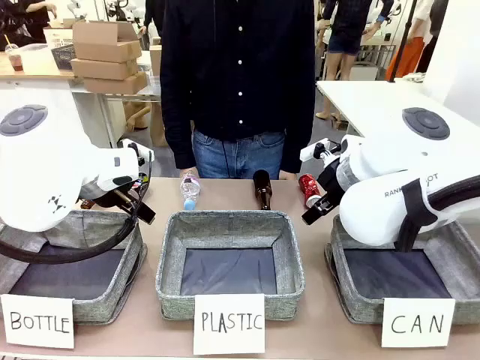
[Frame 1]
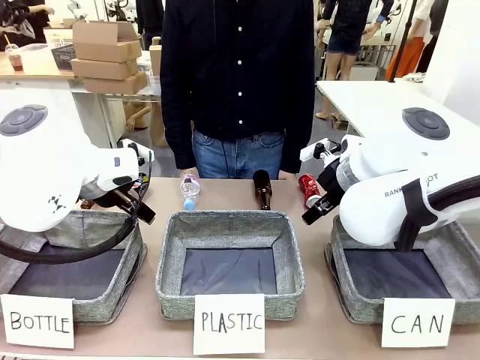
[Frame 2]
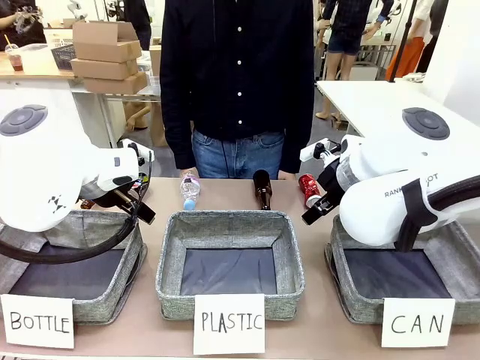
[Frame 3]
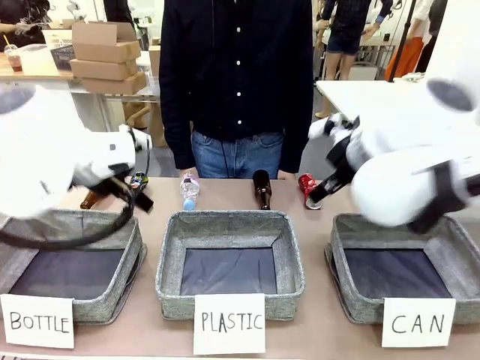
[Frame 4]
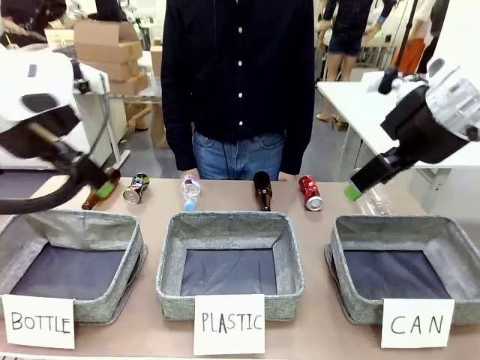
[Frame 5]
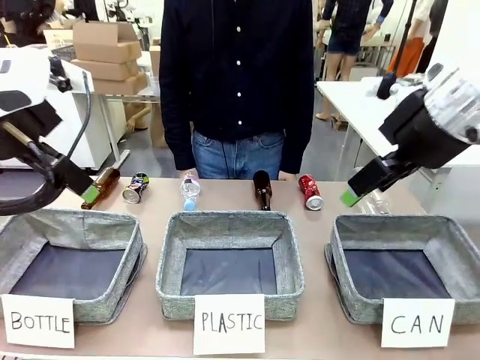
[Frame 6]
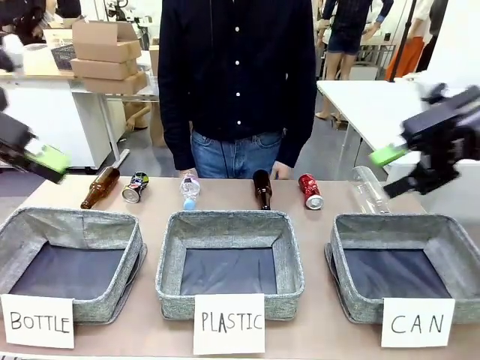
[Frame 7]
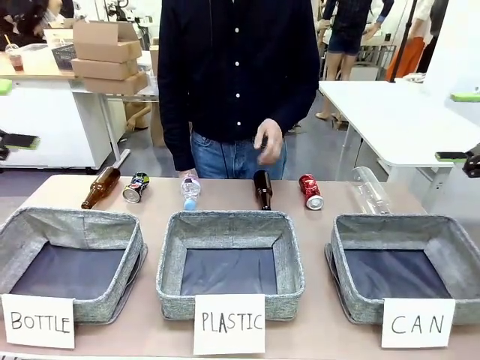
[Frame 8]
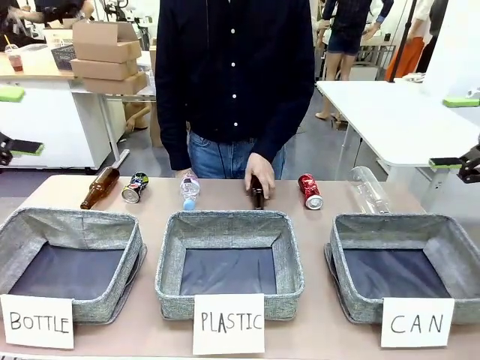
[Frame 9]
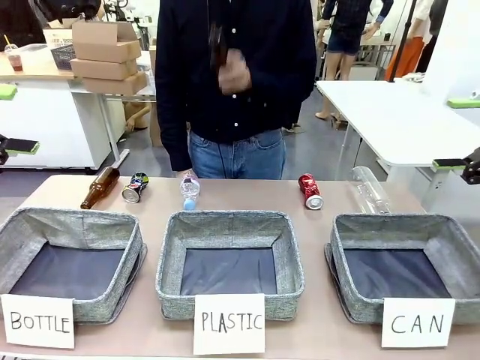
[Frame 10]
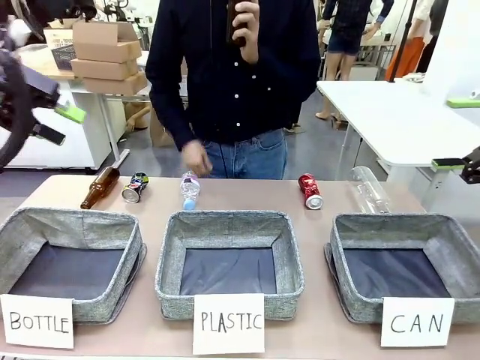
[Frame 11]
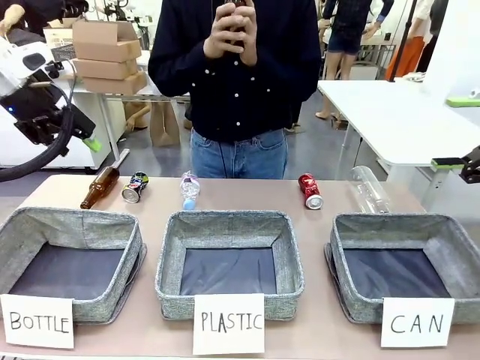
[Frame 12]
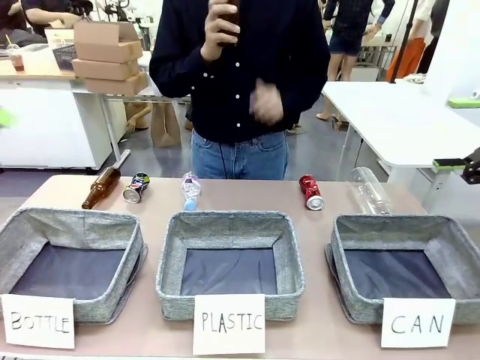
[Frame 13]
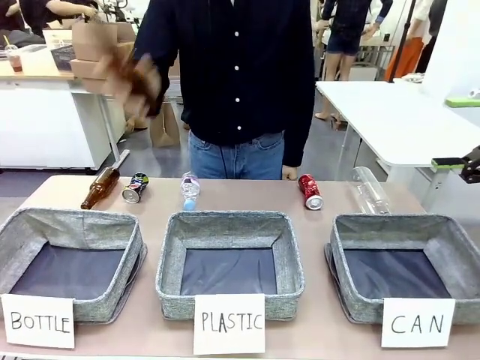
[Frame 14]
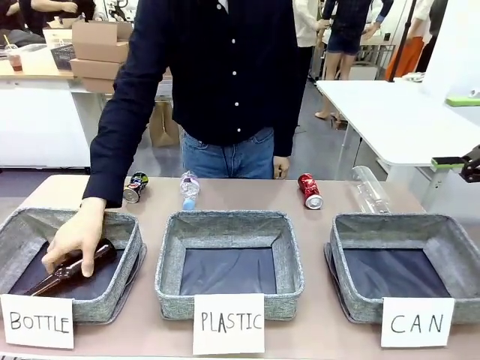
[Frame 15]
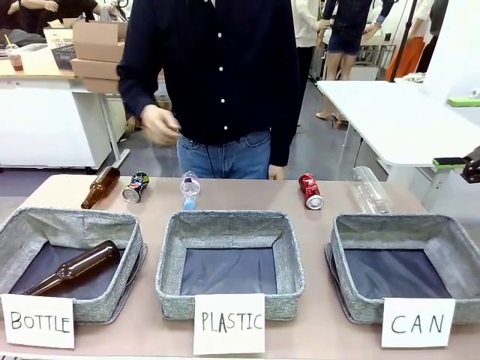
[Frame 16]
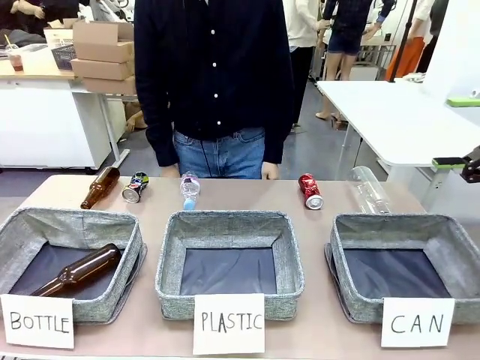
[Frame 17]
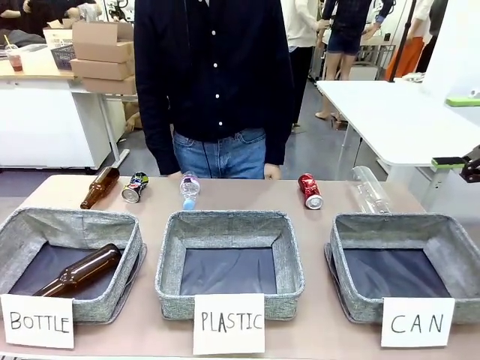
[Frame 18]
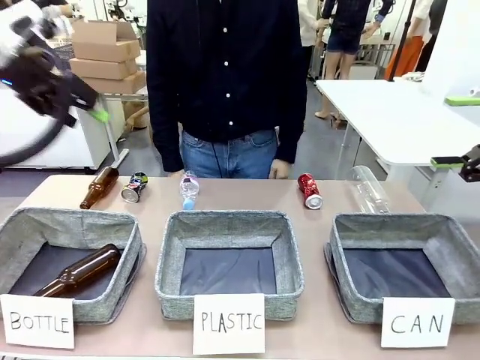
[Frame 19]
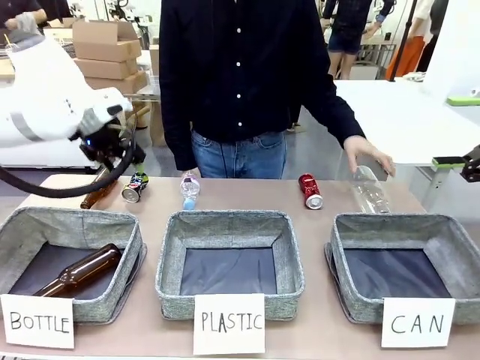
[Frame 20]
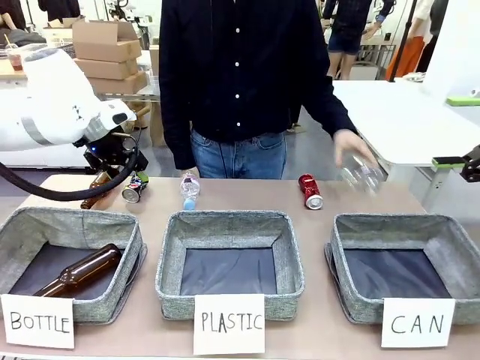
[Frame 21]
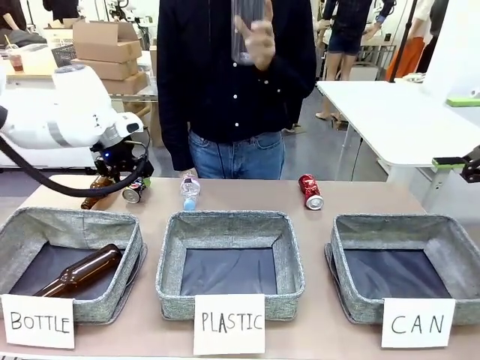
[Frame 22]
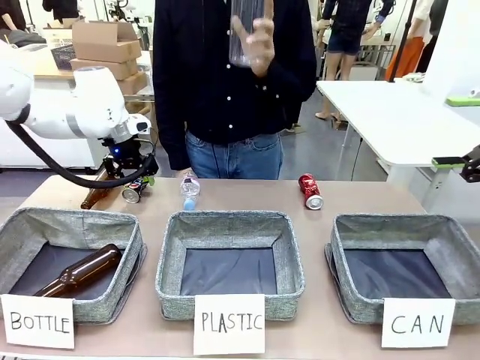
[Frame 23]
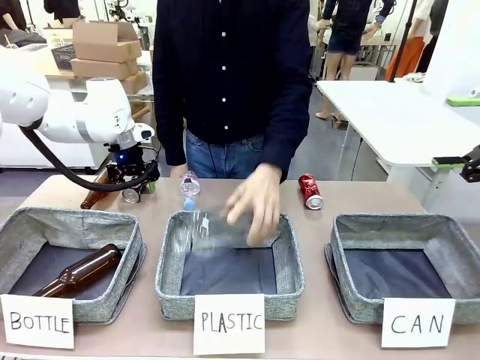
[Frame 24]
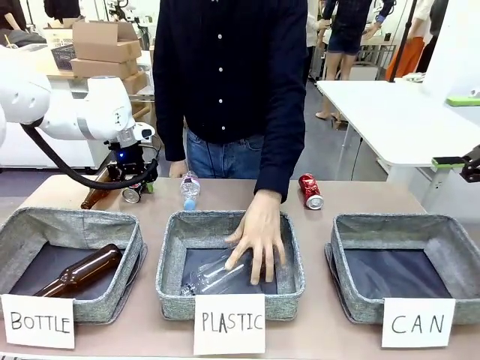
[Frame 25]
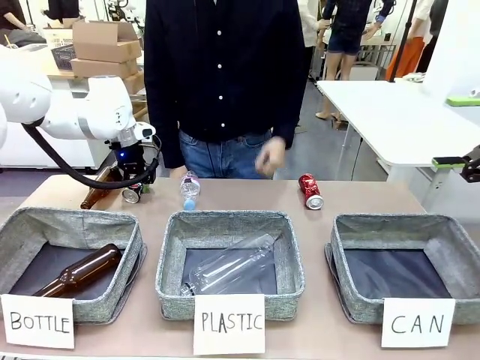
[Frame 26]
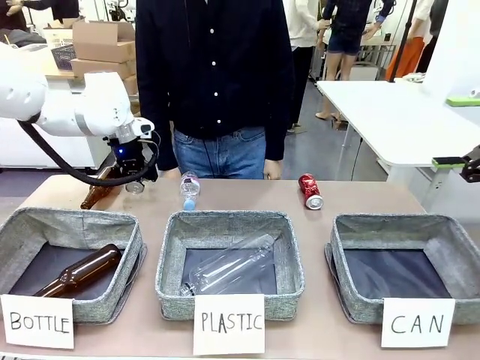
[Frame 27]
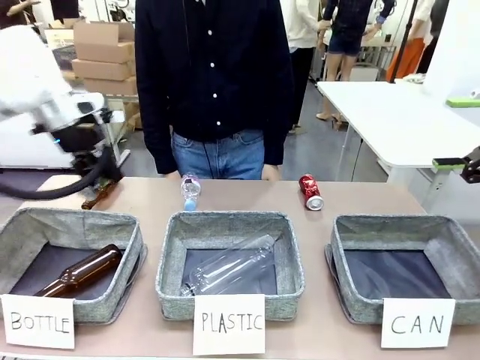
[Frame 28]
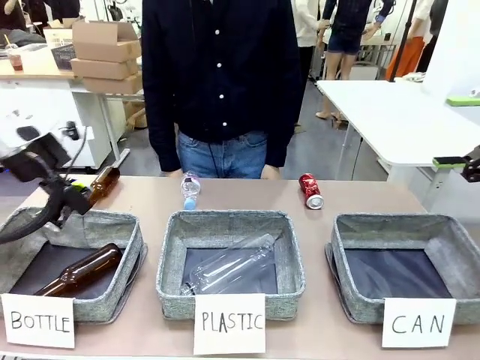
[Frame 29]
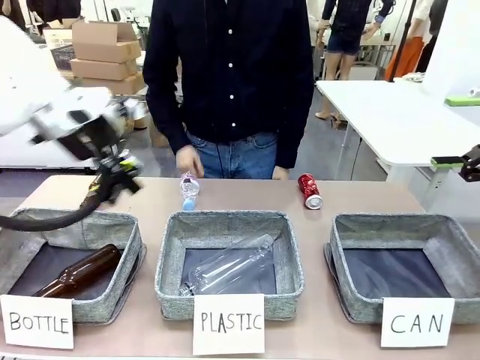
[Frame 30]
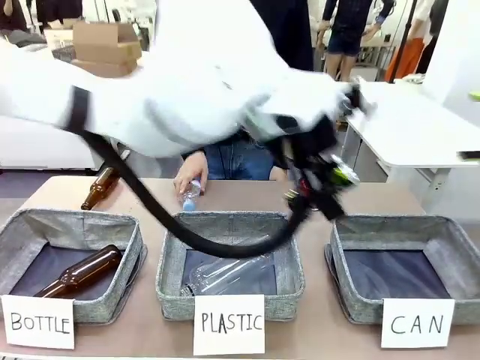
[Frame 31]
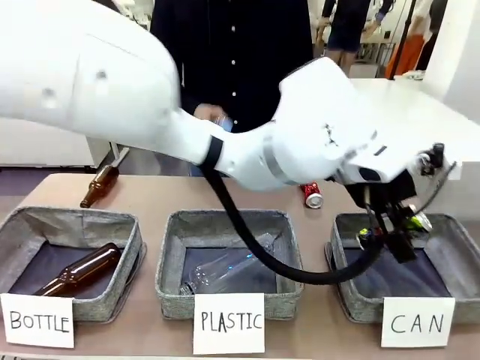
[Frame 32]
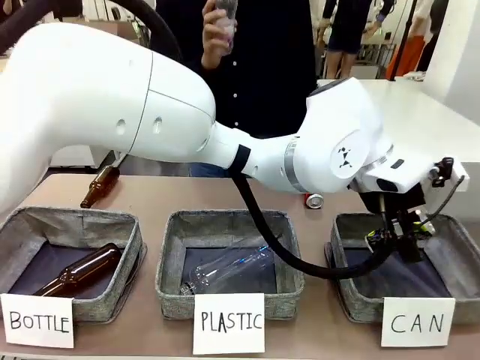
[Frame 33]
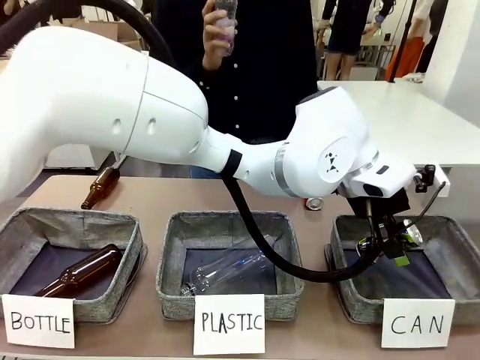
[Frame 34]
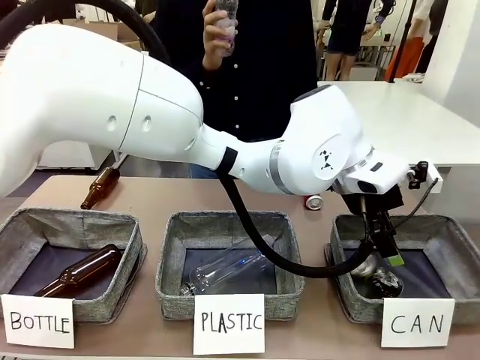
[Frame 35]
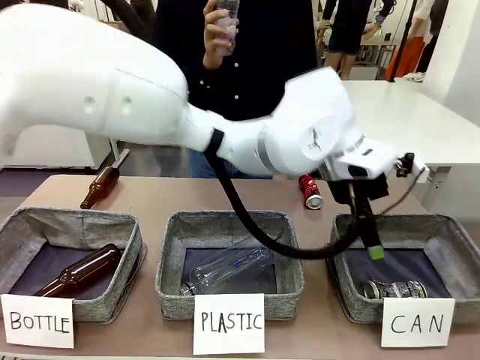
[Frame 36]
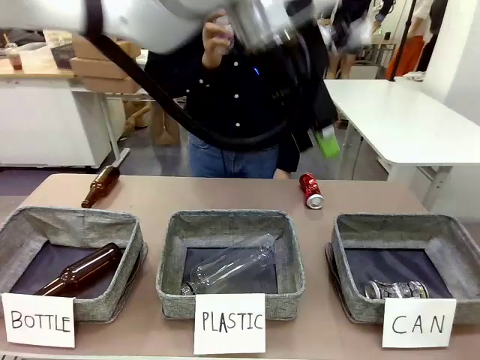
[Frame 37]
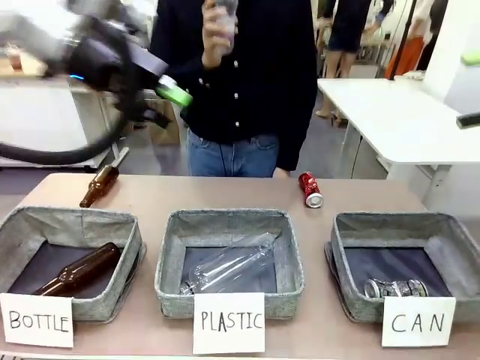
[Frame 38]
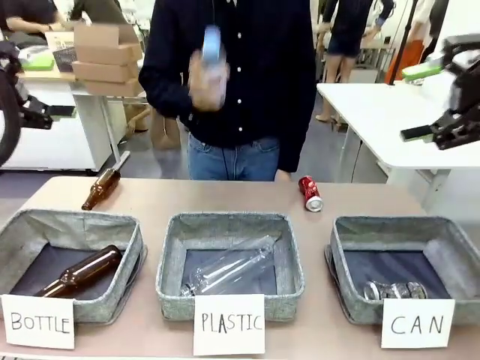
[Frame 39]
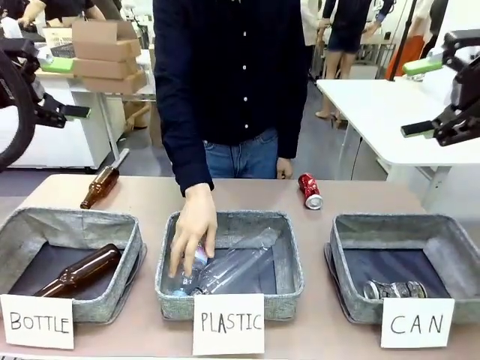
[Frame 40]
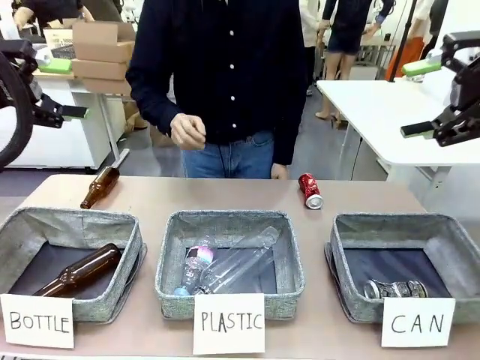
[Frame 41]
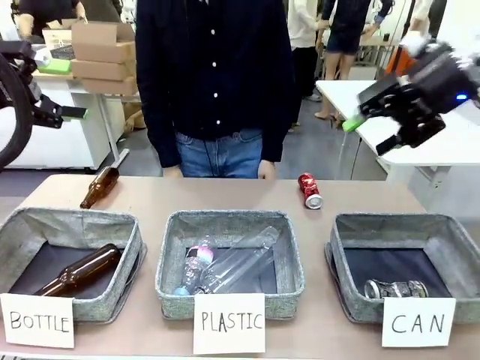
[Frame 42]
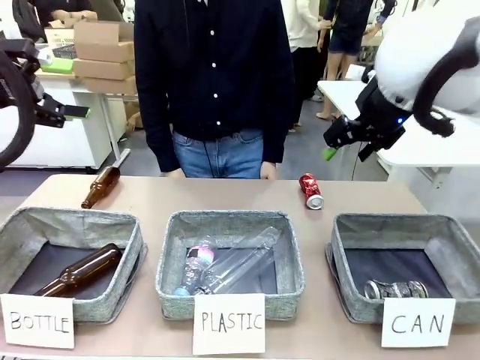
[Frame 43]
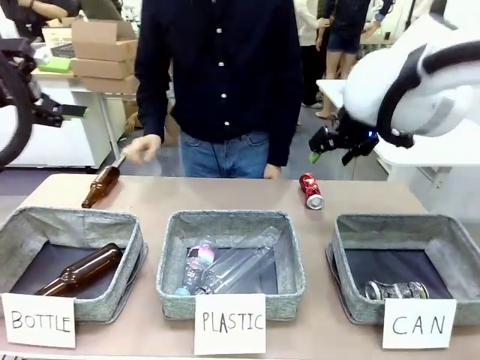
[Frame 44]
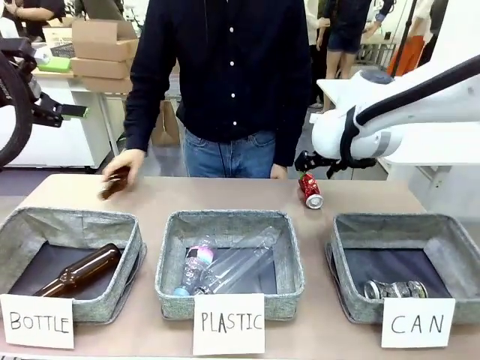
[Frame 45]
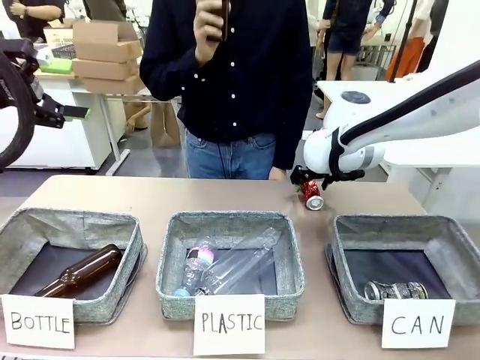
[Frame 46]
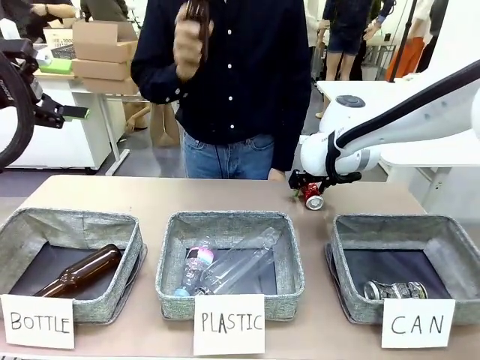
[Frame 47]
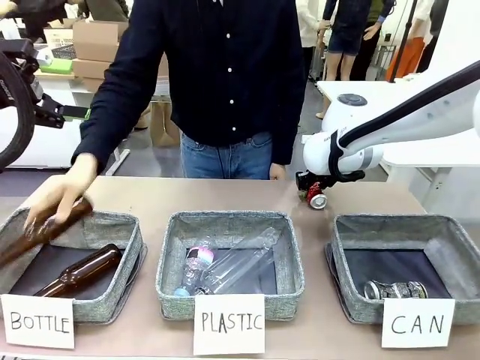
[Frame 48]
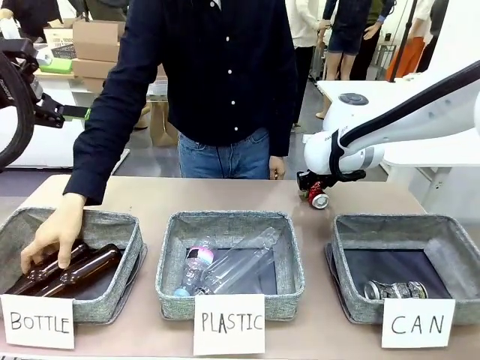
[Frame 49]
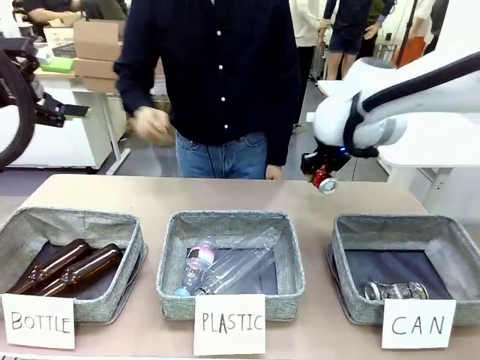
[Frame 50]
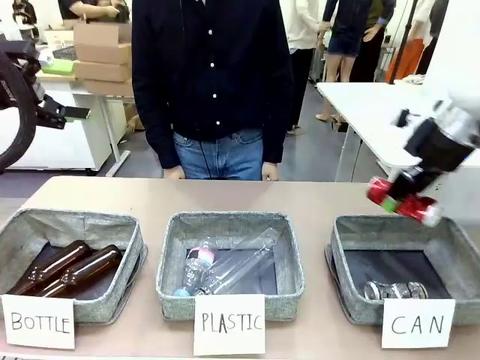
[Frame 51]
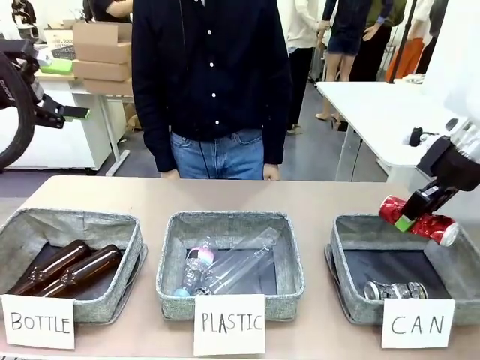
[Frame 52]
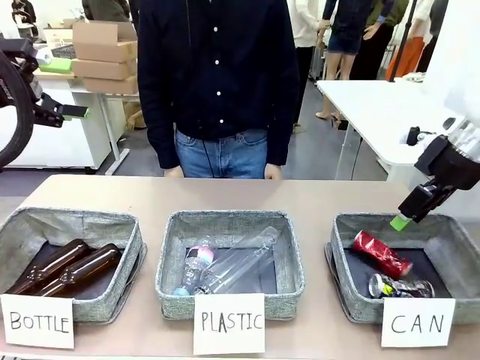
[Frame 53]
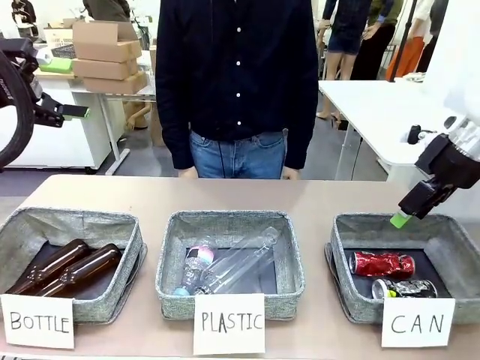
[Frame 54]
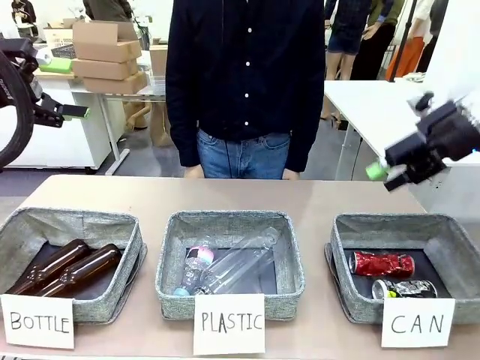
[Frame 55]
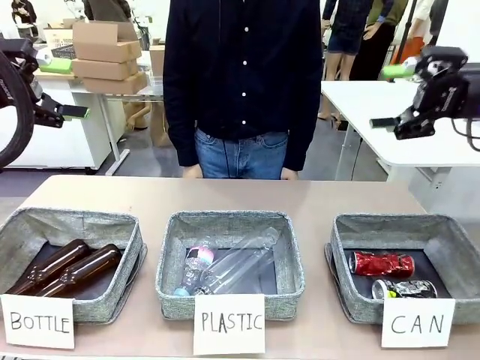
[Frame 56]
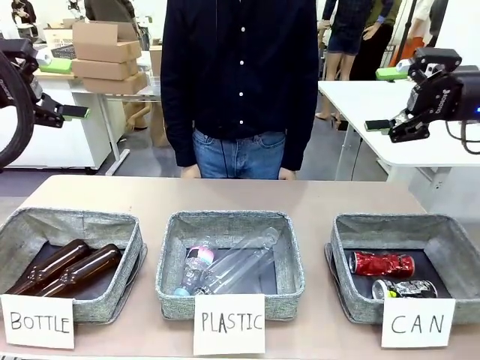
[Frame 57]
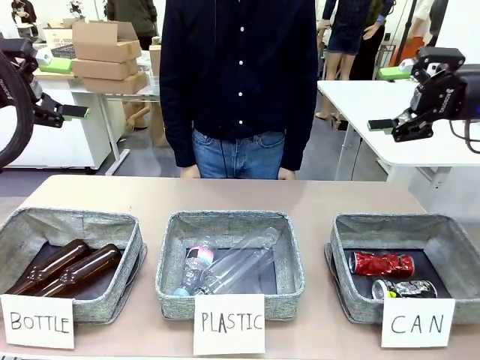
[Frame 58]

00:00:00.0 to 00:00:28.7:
Task: Sort the can waste into the basket.
Robot: Pick up the can waste from the table and place it in the right Fabric basket.
Person: The human picks up one piece of trash that is not a can and places the trash into the appropriate organizing basket.
